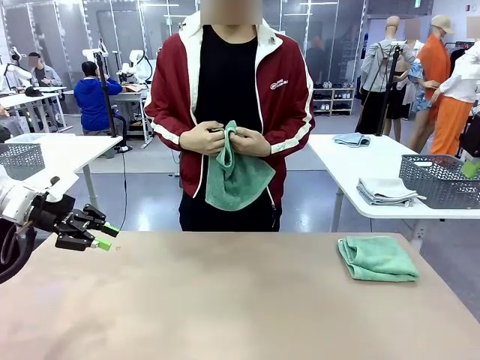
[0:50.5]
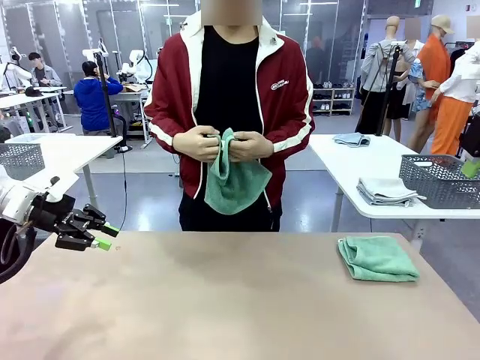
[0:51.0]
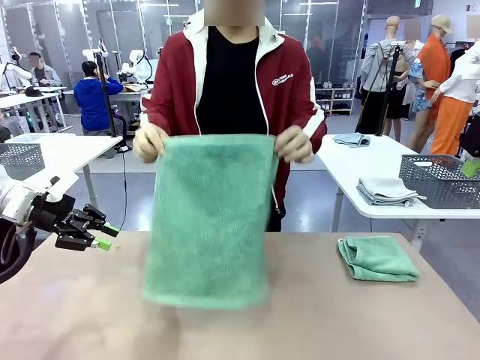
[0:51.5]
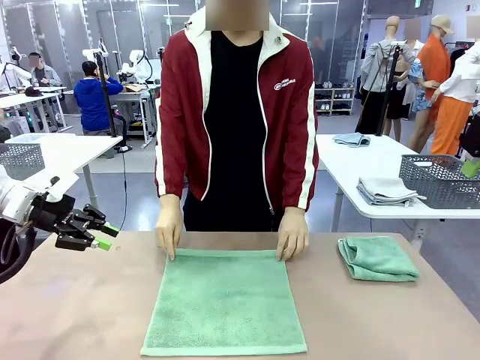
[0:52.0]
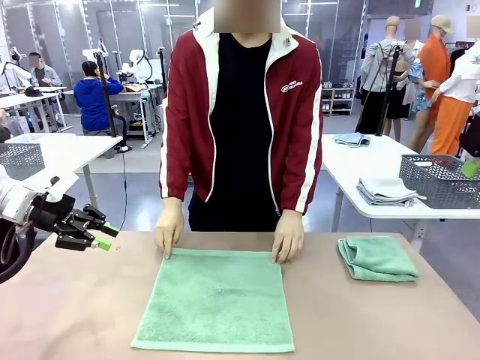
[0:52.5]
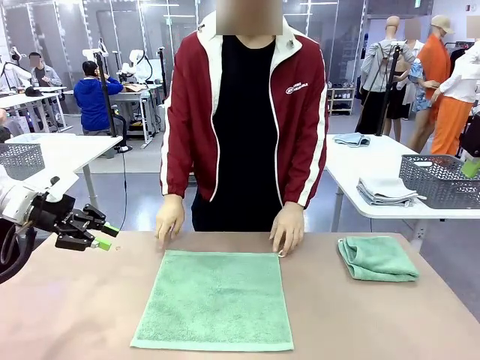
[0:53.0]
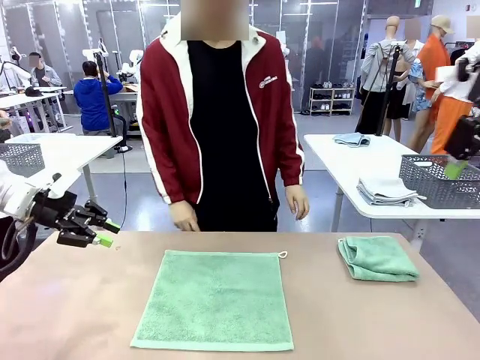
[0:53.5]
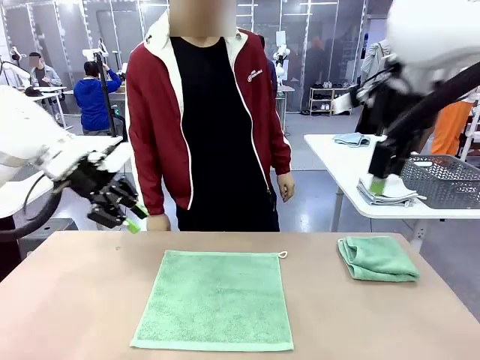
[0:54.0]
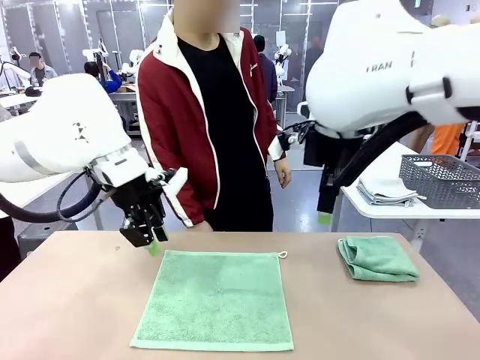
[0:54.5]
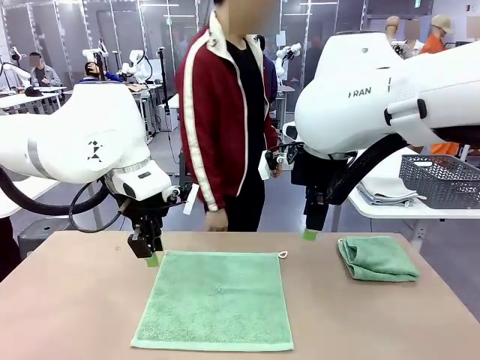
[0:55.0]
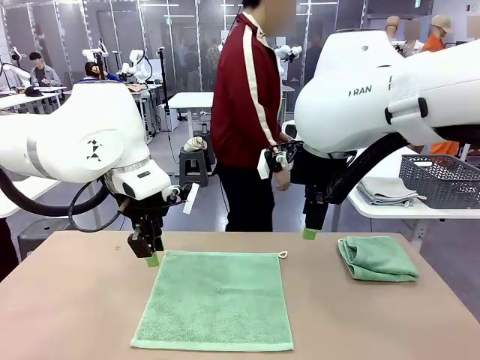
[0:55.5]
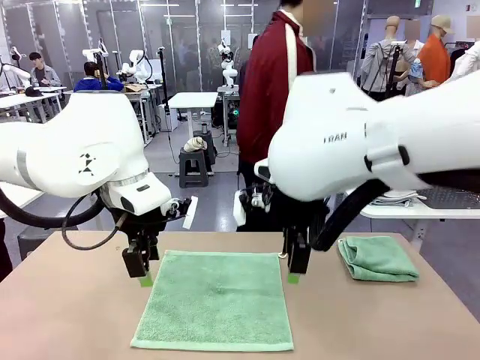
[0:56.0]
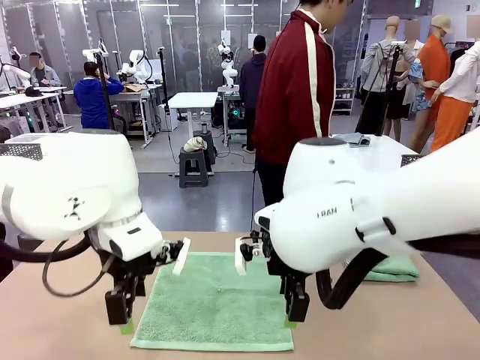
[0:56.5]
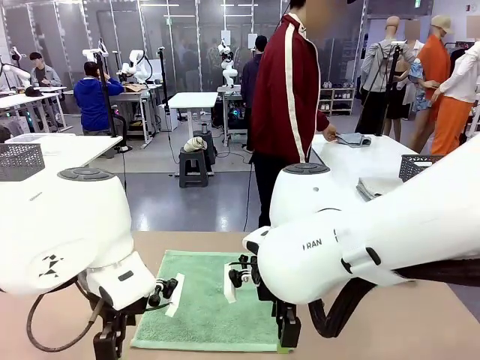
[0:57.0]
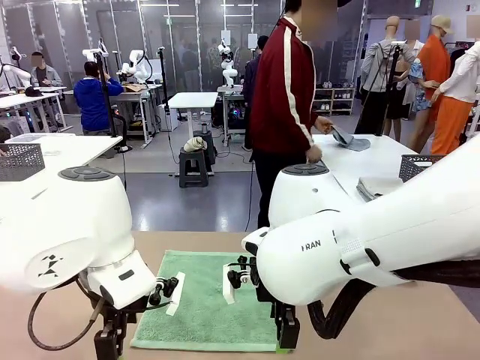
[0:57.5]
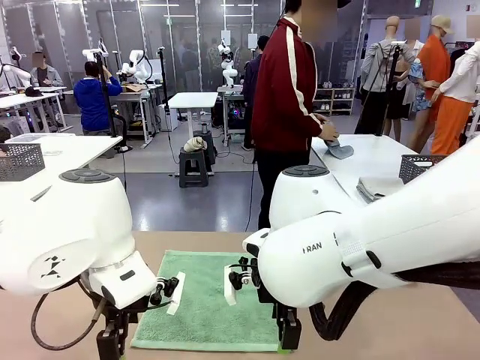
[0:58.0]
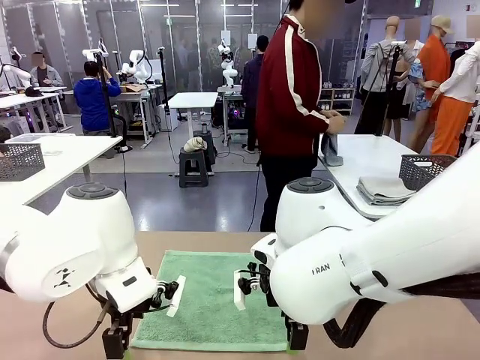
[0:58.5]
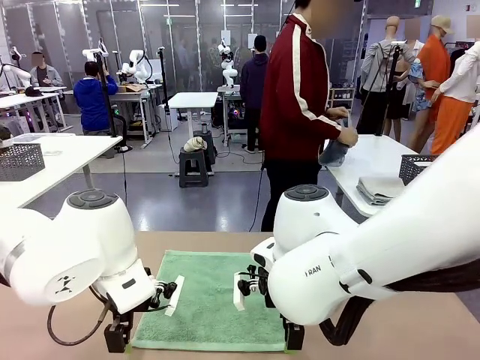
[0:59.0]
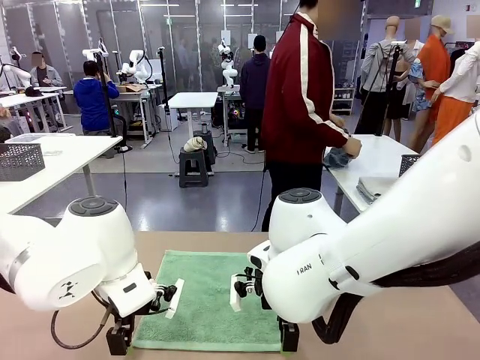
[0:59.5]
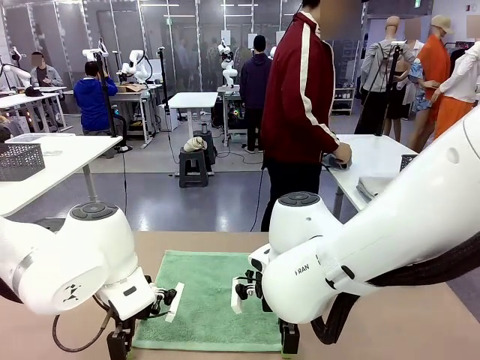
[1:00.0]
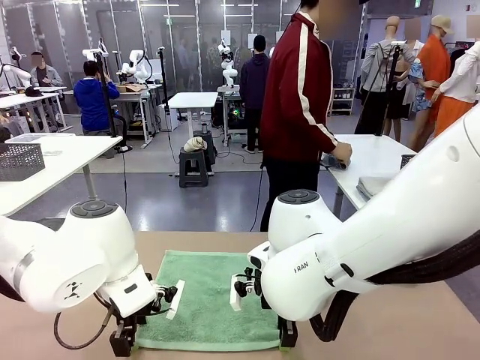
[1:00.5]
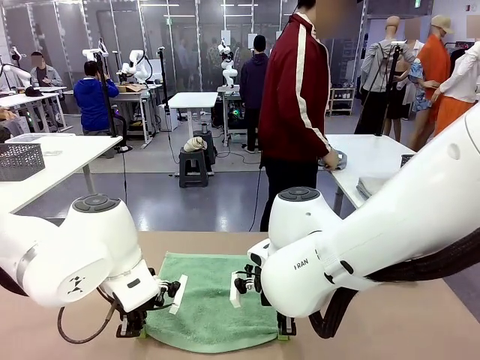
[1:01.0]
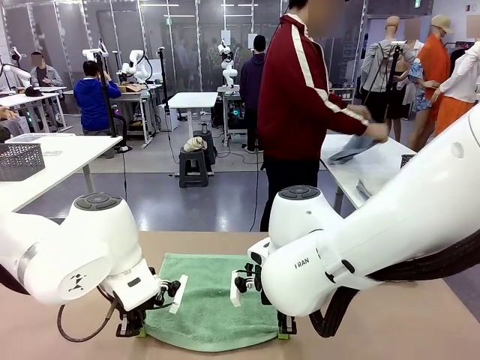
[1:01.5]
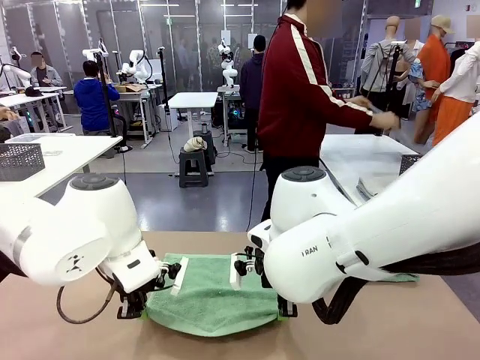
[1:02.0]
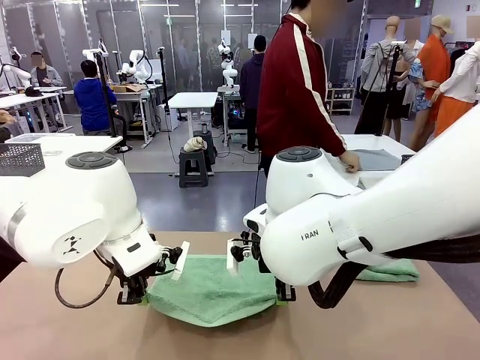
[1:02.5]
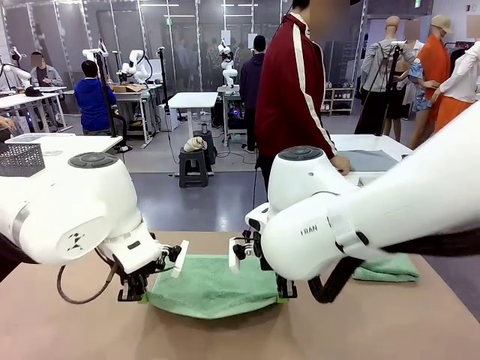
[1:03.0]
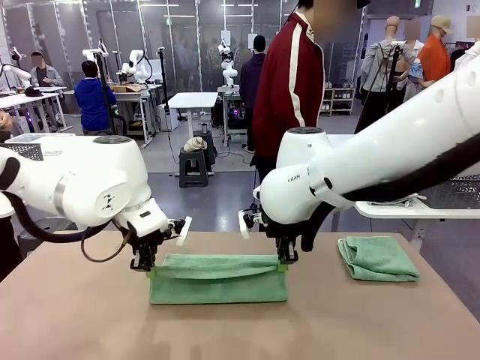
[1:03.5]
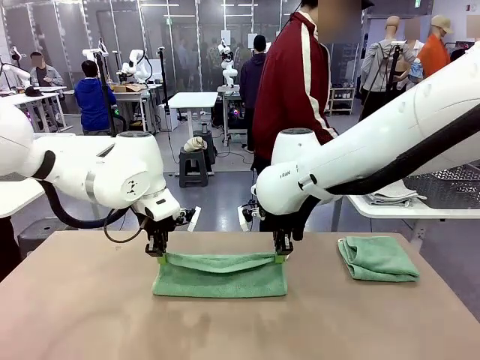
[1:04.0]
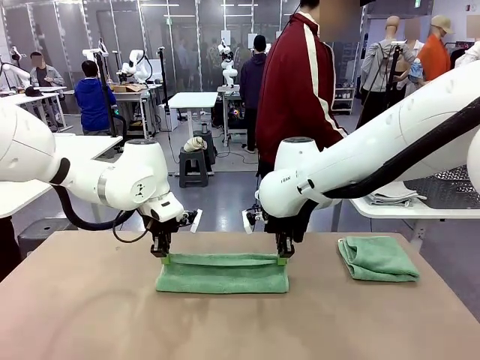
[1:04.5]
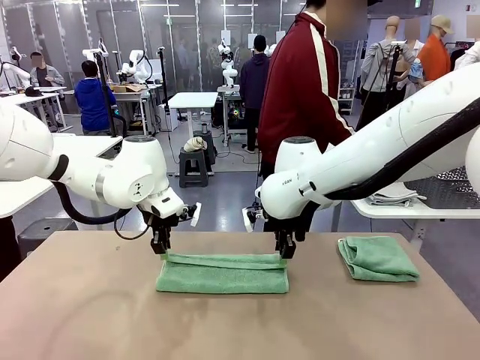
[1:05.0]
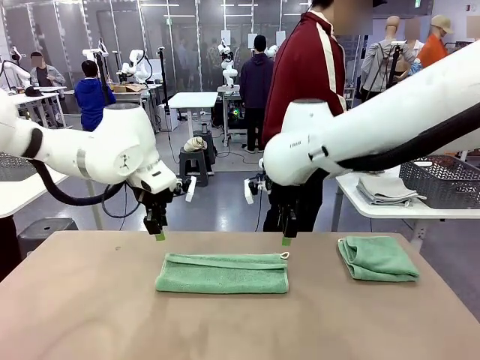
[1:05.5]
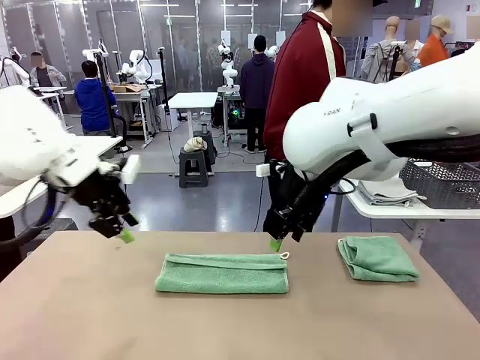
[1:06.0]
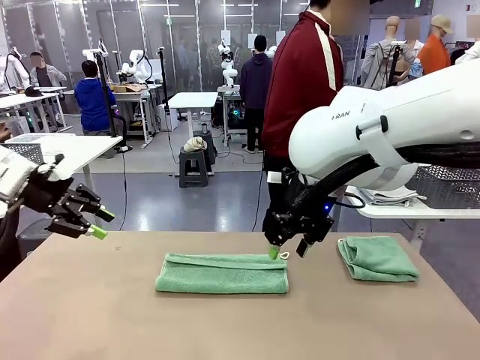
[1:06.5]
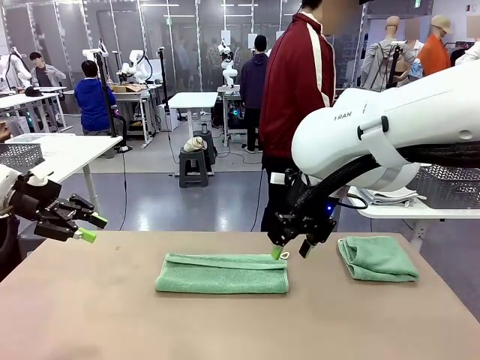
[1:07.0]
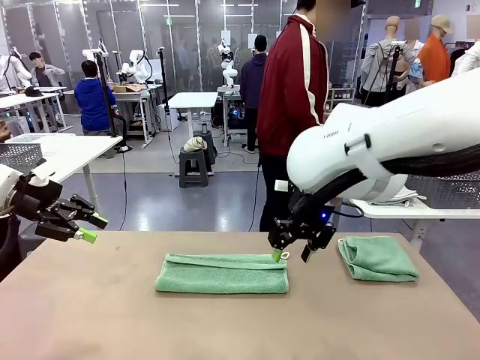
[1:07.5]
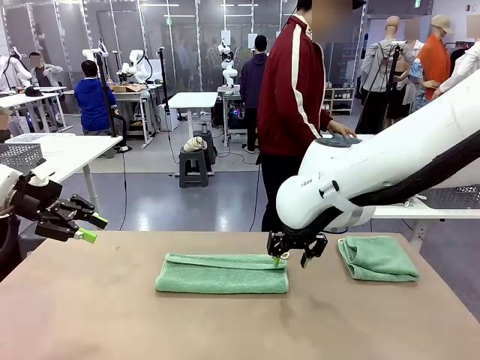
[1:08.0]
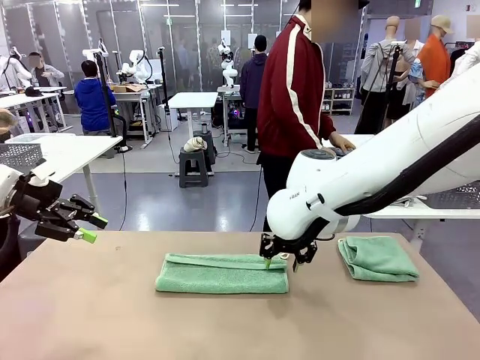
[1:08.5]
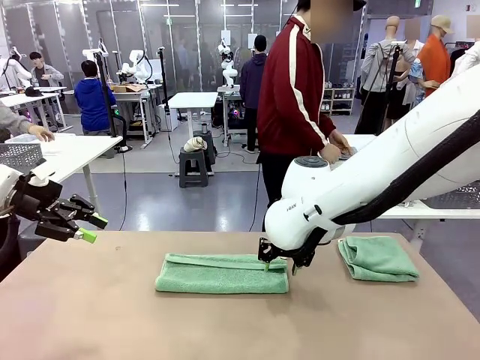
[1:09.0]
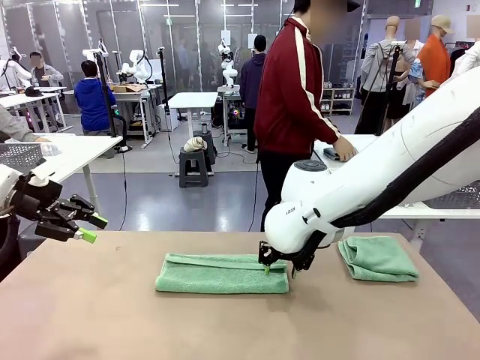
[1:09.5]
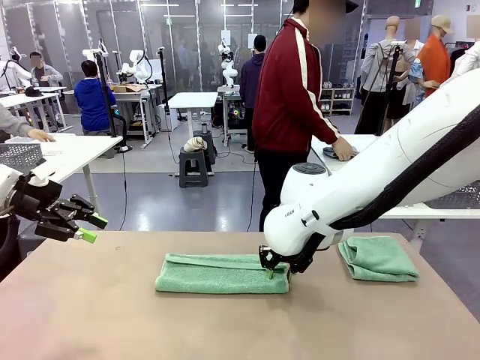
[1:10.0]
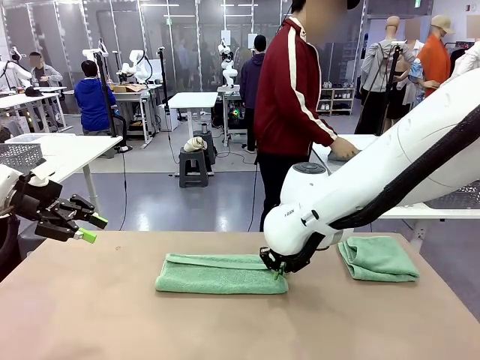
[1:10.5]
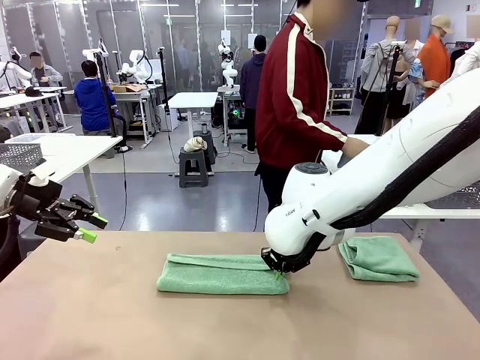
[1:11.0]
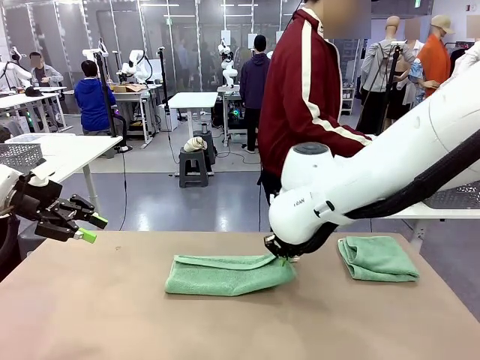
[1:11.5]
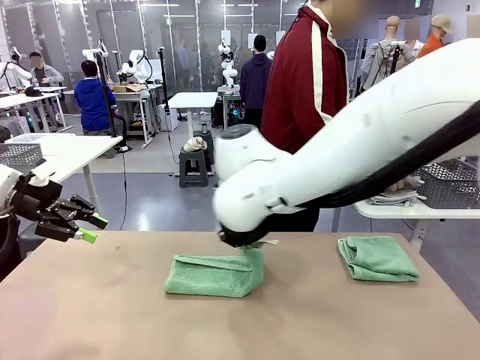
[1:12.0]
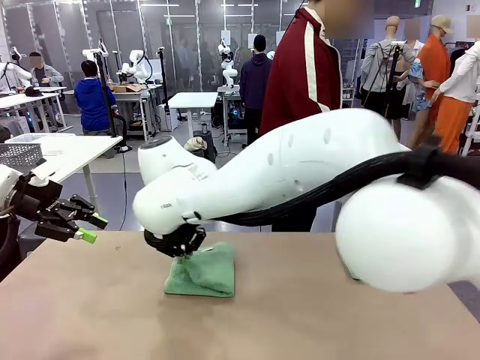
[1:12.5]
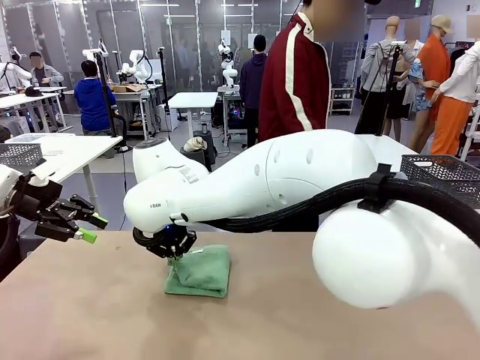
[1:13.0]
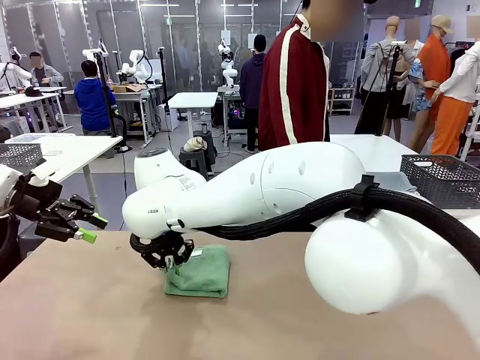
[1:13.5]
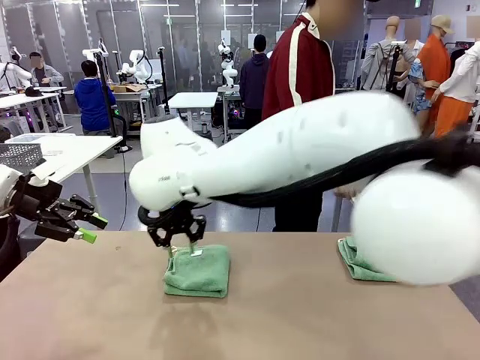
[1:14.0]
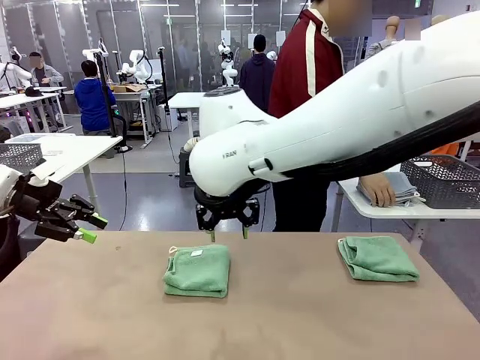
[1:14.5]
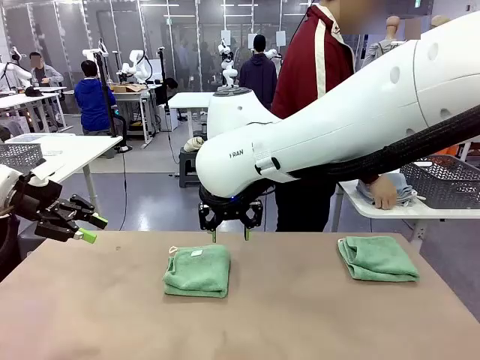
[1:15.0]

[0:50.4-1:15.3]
Task: Fold the towels and place them in the basket.
Robot: When a person lays out a Towel with hook on the table, fold it in half twice.
Person: Pick up one towel from the left side of the human table, fold it in half twice, and stack it on the right side of the table.
